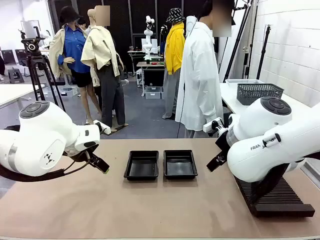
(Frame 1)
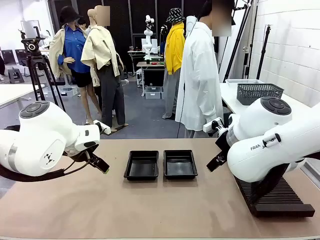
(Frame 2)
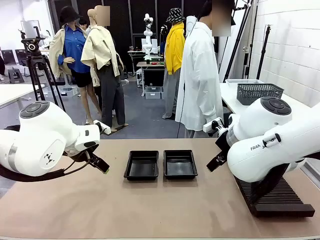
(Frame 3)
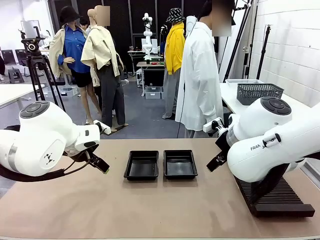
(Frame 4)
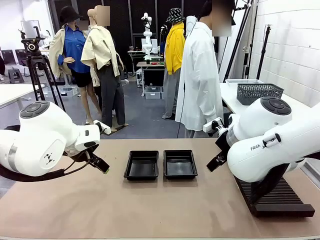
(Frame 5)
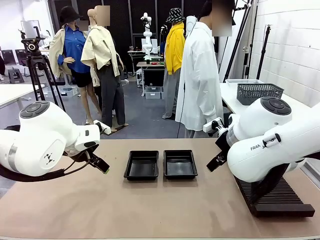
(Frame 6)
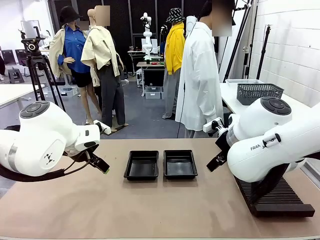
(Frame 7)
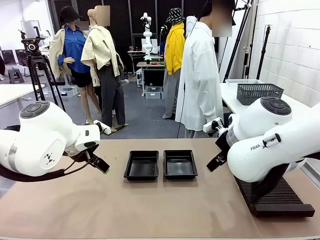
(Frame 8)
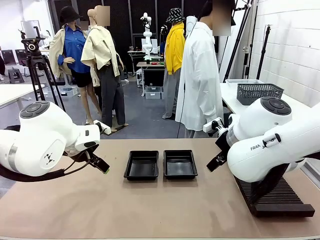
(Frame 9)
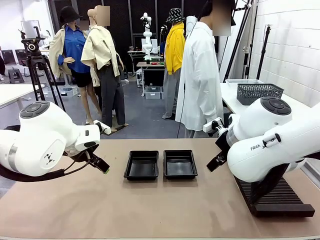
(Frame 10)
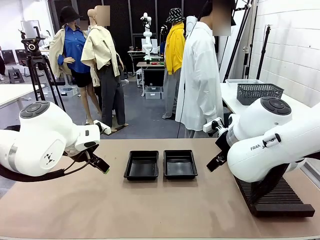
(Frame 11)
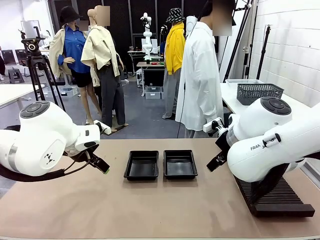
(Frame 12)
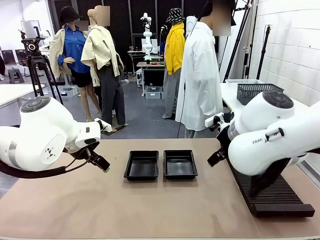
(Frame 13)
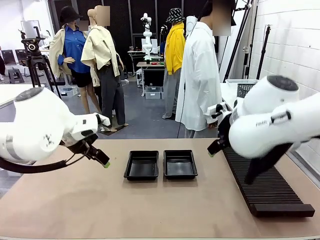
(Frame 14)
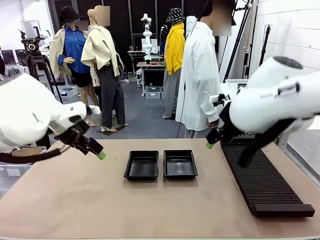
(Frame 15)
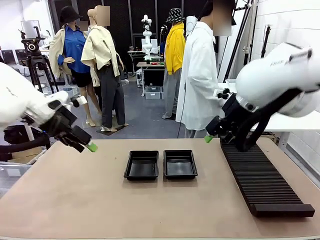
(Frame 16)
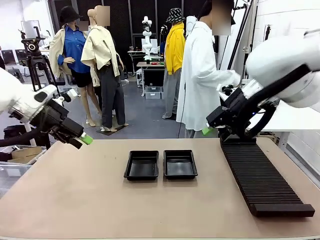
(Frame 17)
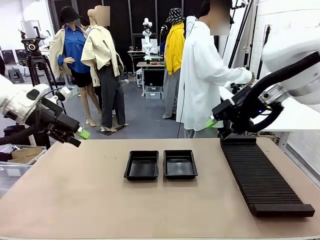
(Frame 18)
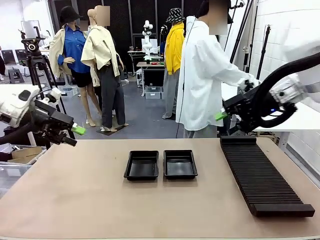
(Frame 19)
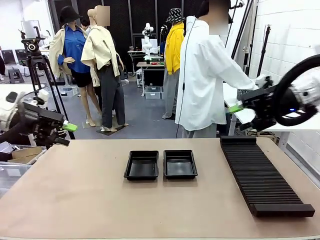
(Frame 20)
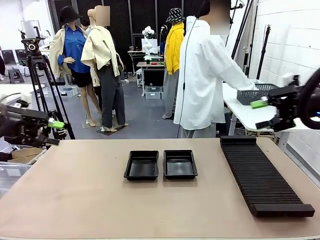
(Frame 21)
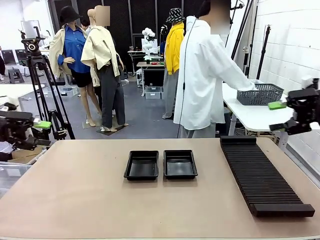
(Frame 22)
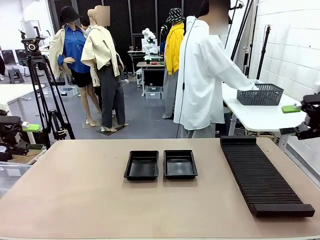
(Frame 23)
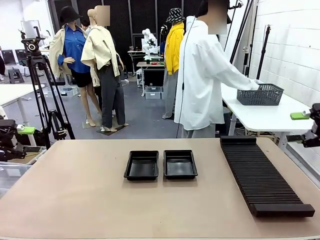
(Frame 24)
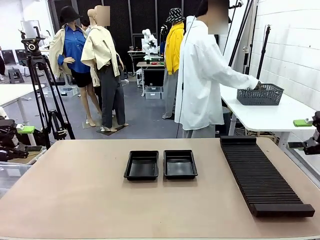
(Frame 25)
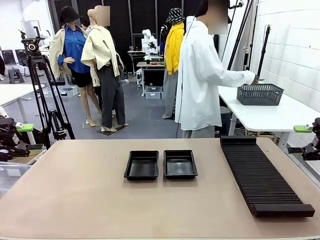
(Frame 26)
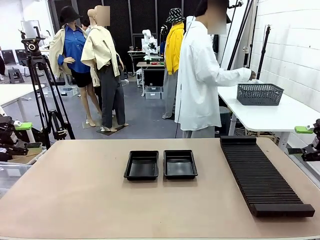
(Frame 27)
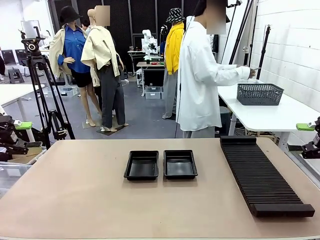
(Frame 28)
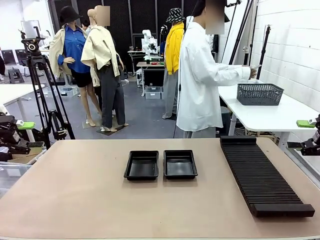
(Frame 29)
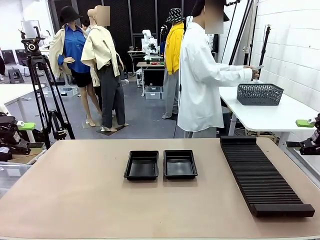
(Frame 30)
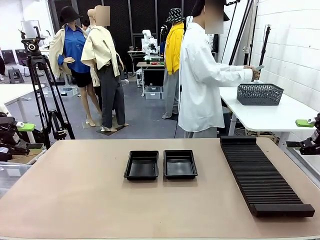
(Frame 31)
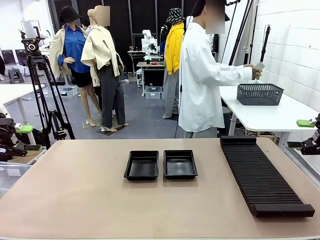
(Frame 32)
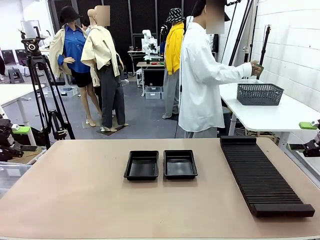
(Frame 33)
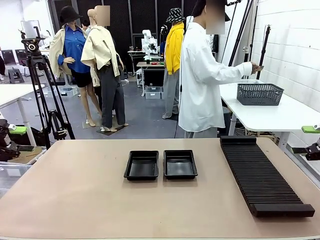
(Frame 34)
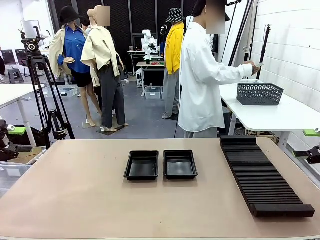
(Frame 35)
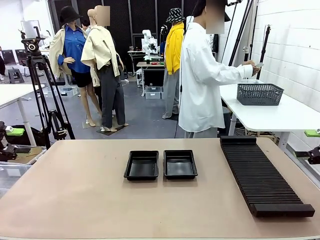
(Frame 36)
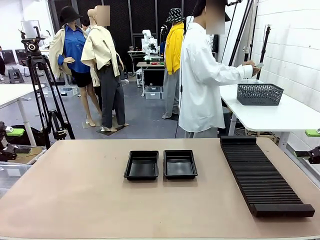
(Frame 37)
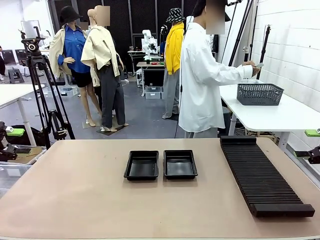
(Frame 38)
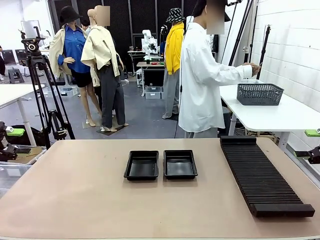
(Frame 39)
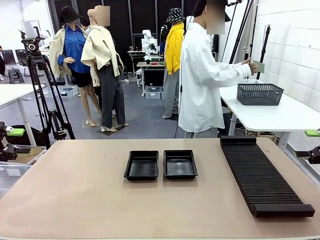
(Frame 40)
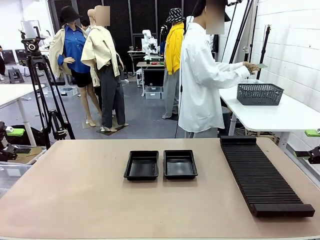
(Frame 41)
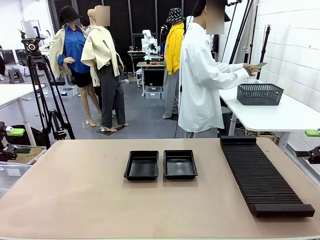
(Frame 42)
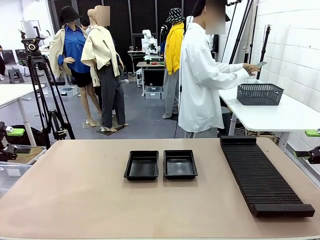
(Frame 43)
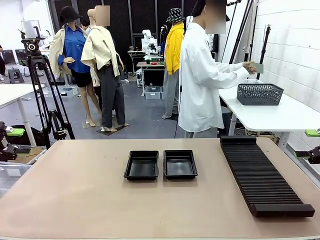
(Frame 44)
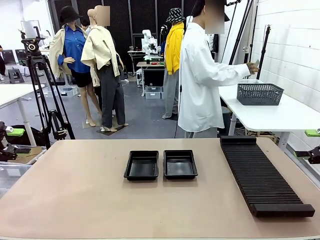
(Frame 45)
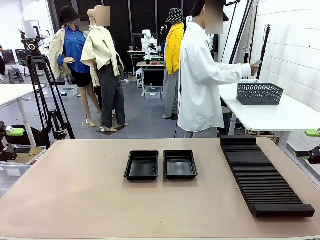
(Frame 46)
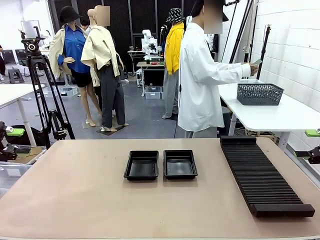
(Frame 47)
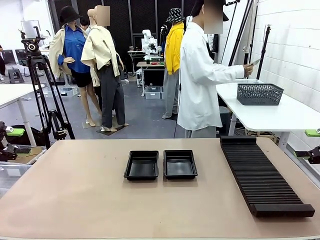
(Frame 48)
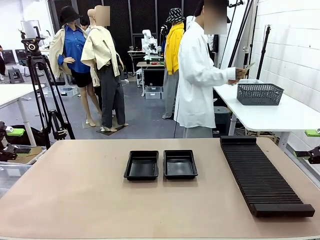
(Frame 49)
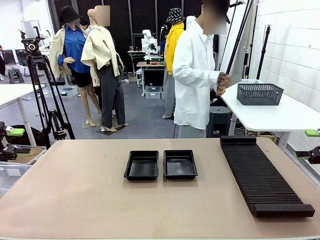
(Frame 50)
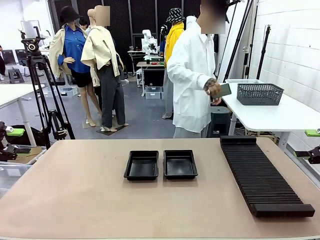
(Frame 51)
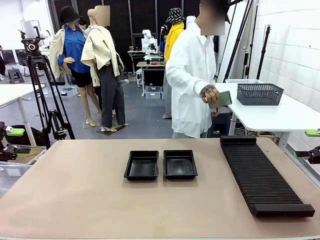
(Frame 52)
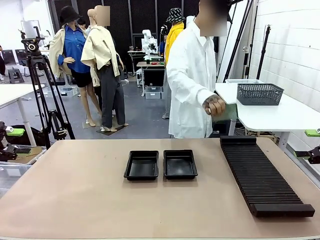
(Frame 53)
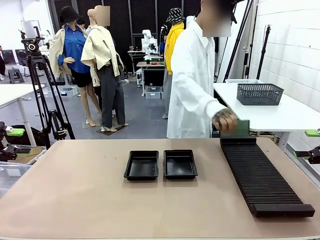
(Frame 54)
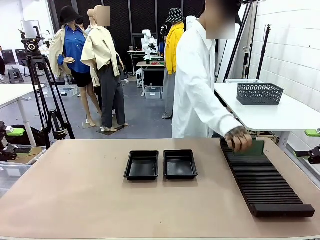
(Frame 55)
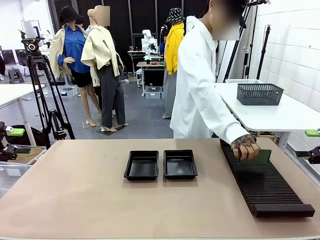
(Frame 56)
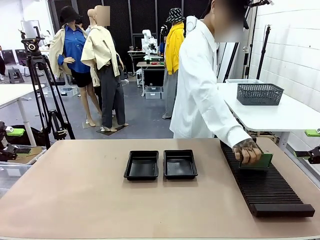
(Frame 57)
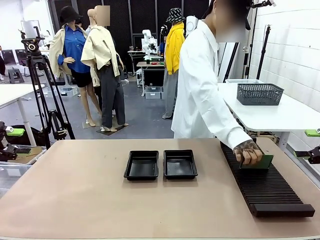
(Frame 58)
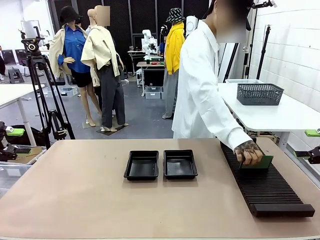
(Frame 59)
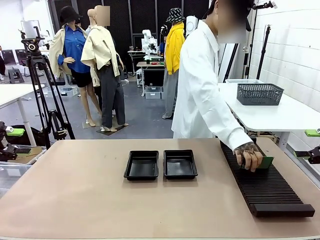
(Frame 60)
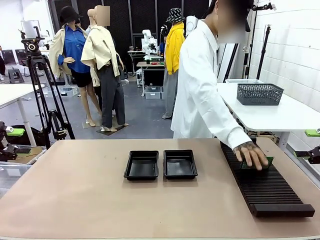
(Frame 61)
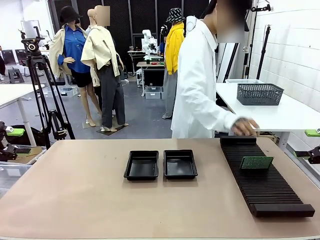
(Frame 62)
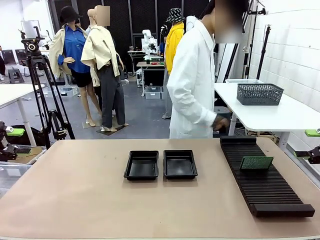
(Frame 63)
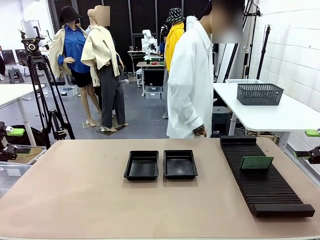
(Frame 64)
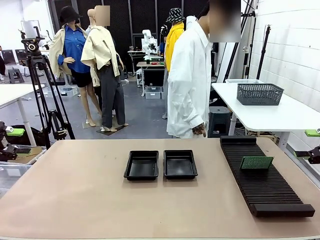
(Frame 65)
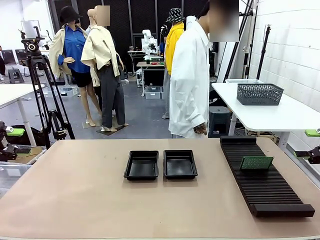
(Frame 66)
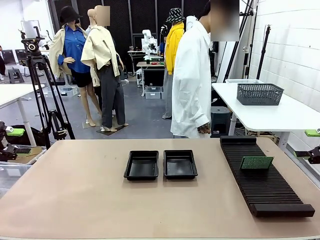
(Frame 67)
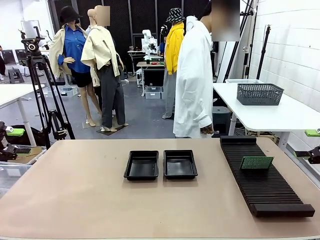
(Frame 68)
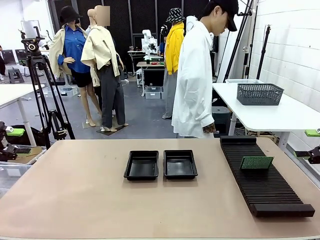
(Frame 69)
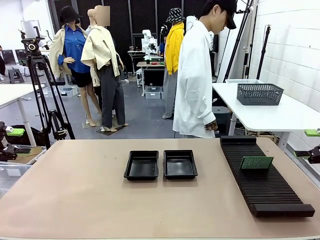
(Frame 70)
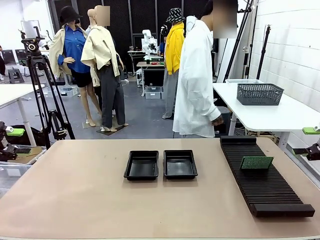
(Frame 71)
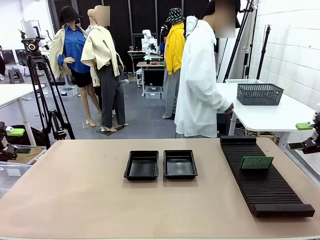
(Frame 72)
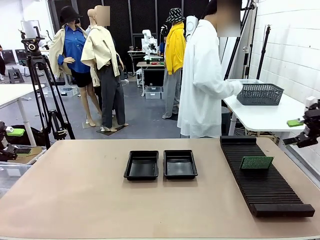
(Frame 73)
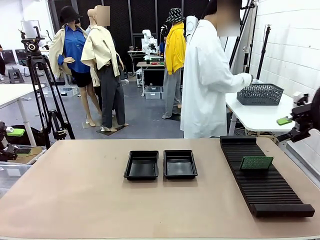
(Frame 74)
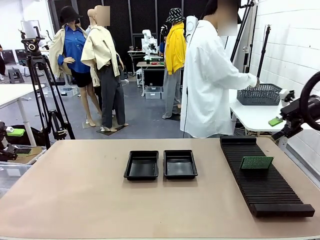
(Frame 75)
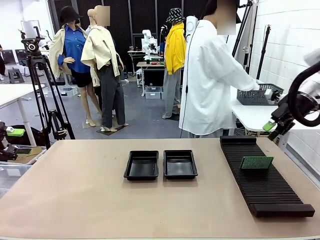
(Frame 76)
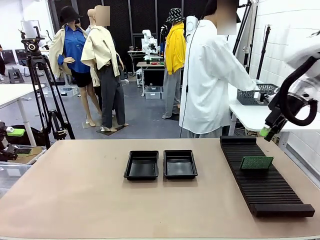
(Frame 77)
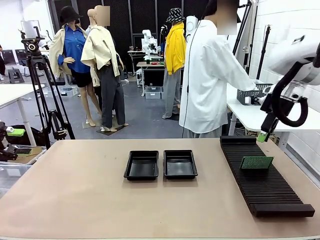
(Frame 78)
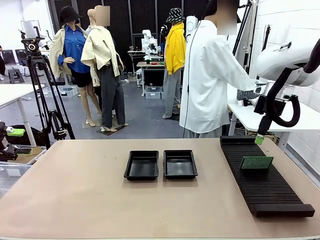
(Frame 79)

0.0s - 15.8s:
Task: Inspect and transfer BCBs to ESD trays.
Robot: Pick up the Blank PCB from the PCB Rack and place it in the left ESD tray.

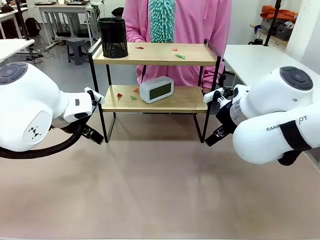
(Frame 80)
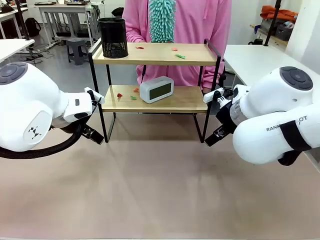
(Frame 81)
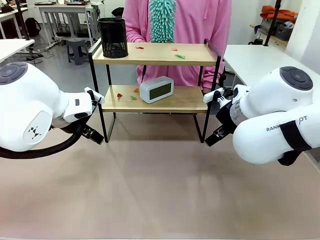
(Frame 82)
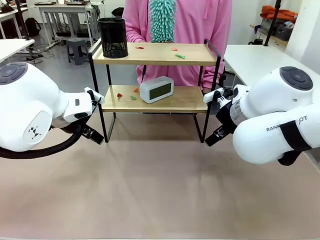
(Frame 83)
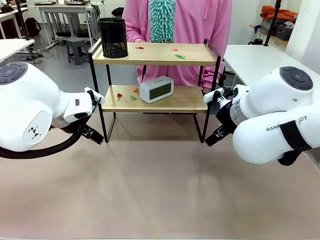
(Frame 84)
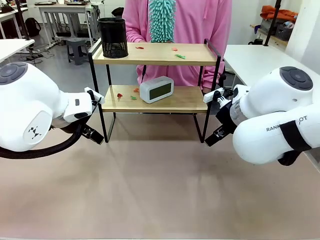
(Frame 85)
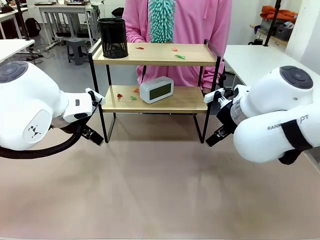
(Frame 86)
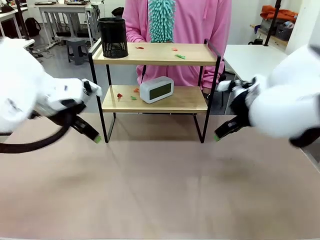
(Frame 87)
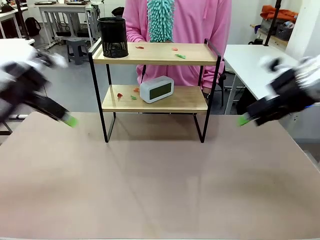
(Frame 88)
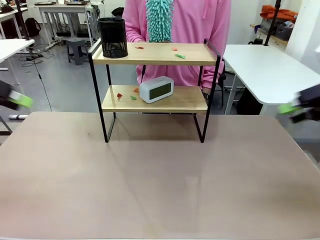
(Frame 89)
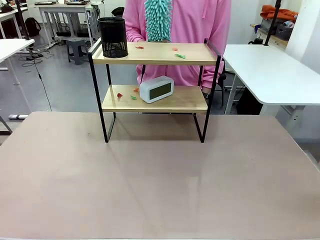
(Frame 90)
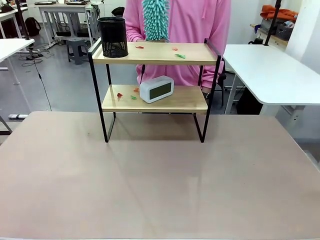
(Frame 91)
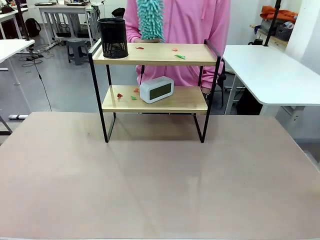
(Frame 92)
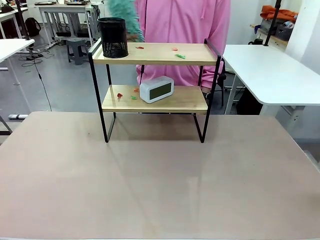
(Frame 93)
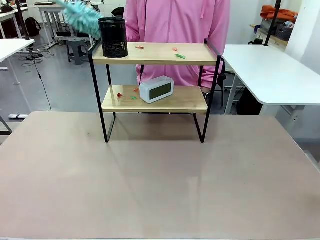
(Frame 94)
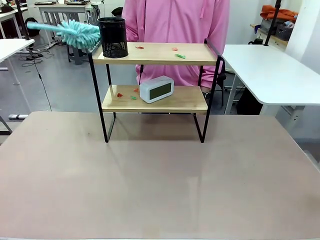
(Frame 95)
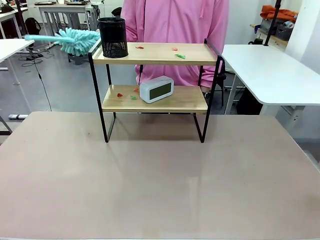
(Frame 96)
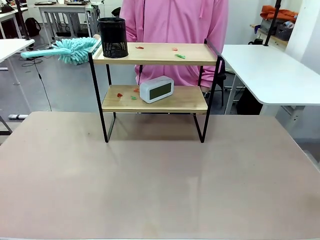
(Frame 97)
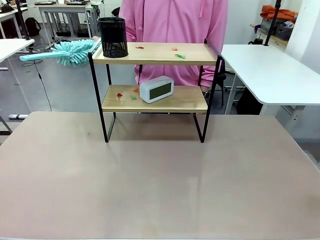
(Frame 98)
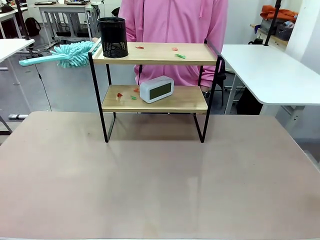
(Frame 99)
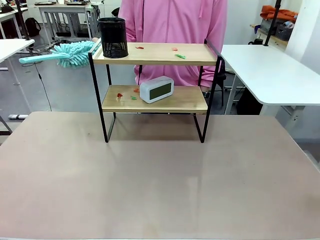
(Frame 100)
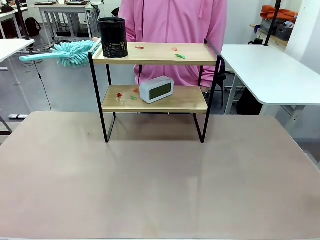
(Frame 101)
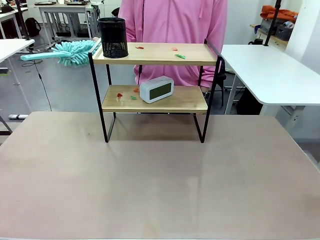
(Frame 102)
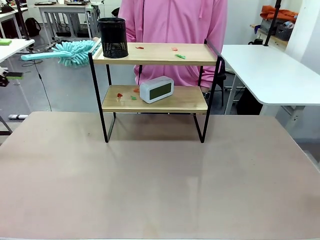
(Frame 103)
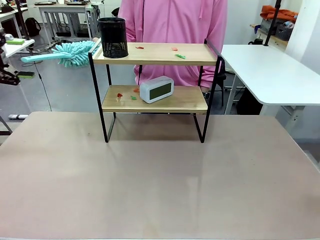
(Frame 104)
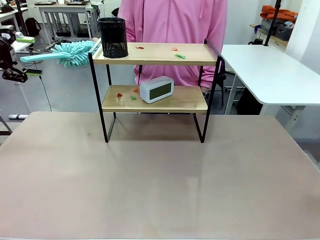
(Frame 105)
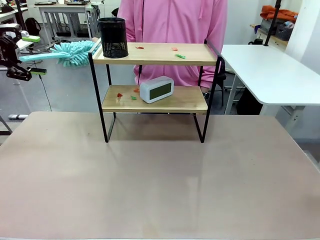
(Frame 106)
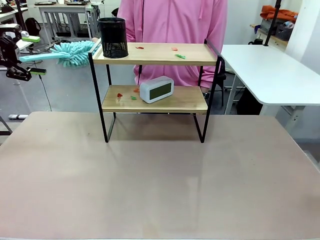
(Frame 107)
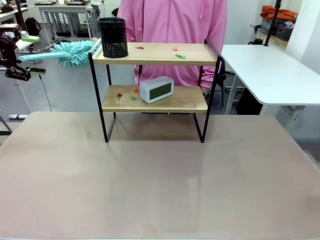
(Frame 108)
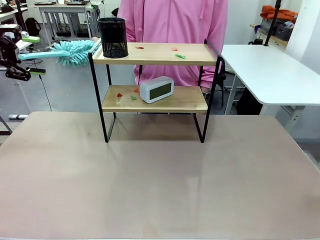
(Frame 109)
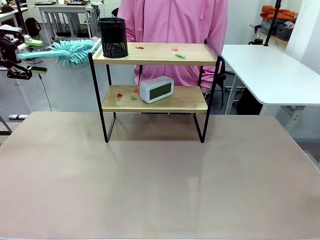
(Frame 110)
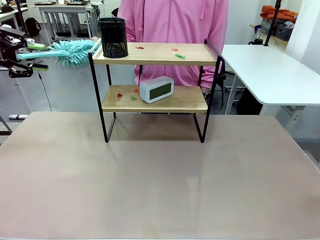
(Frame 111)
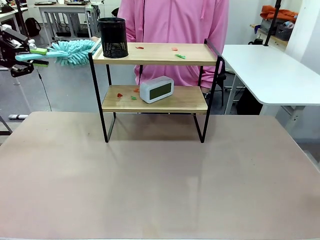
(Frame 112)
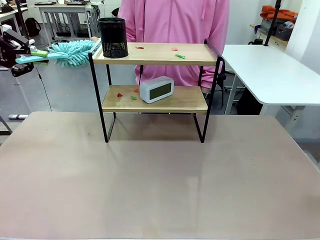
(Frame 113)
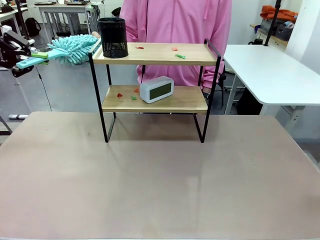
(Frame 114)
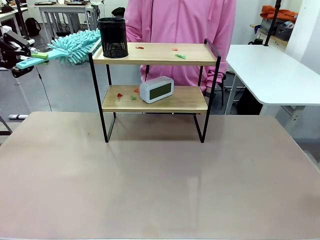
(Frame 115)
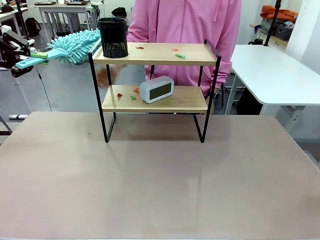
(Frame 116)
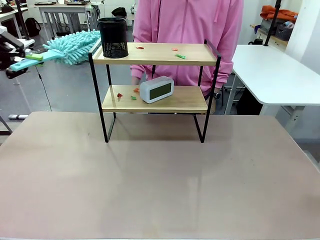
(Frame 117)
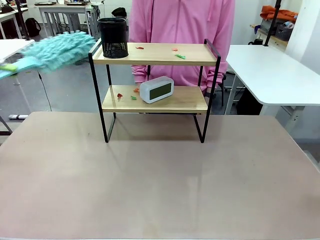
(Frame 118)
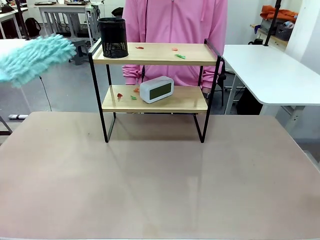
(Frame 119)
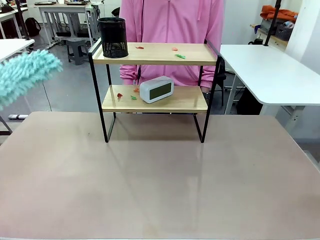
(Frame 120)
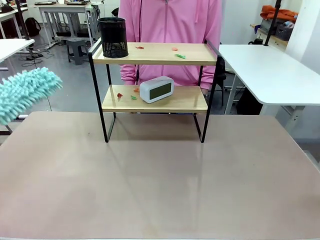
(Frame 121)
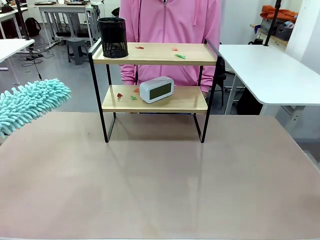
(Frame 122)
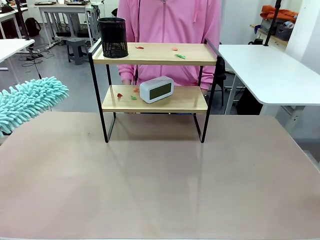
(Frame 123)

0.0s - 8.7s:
Task: Clean the shelf.
Robot: Pick up the Duster from the human.
Person: Hand the Duster to the robot.
